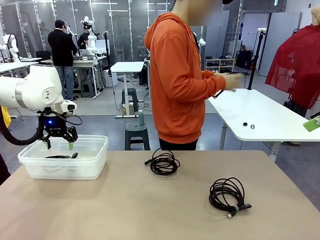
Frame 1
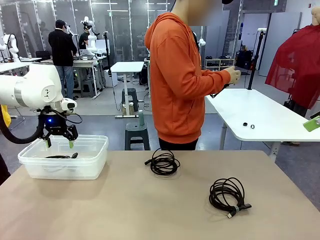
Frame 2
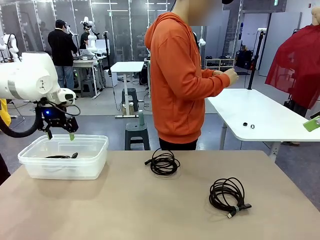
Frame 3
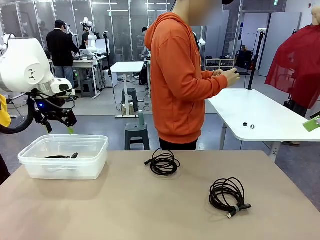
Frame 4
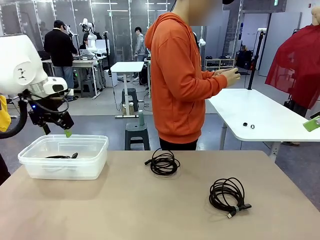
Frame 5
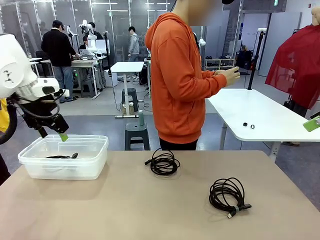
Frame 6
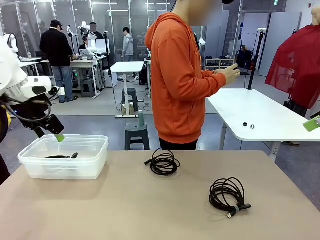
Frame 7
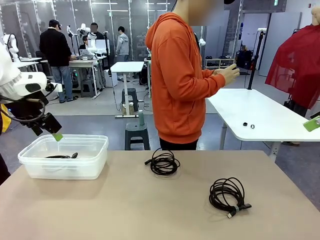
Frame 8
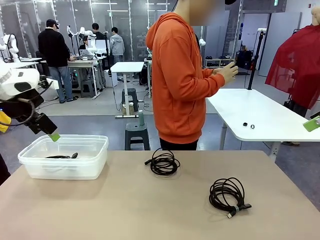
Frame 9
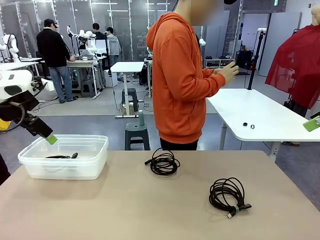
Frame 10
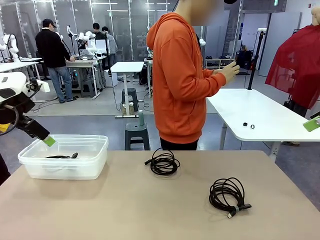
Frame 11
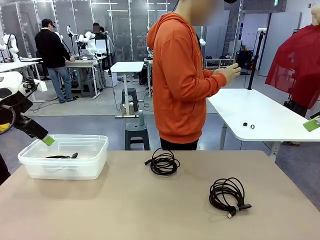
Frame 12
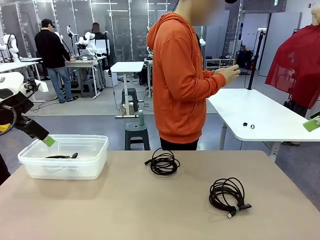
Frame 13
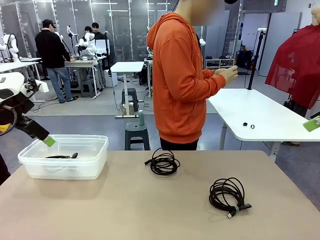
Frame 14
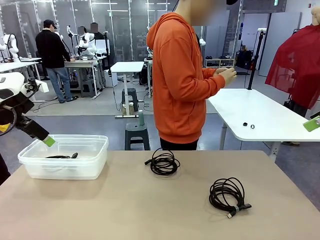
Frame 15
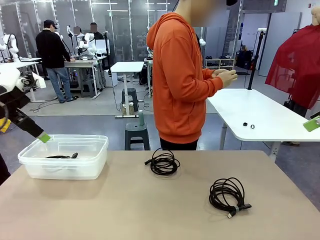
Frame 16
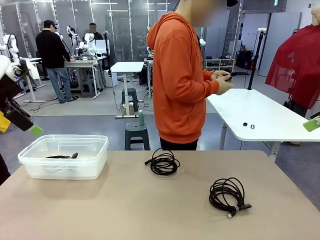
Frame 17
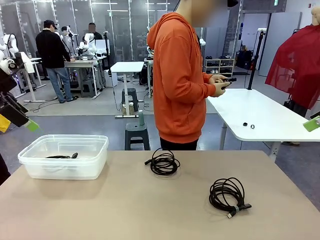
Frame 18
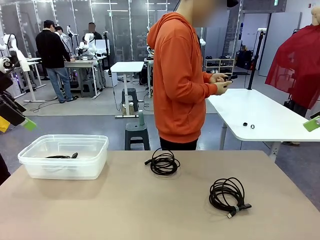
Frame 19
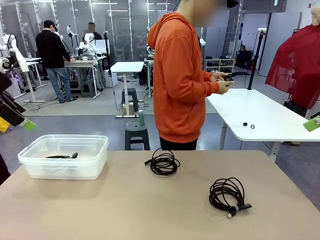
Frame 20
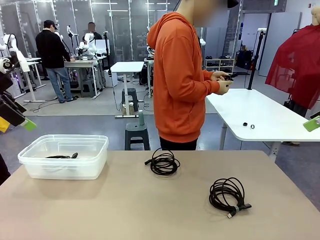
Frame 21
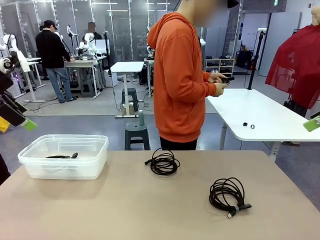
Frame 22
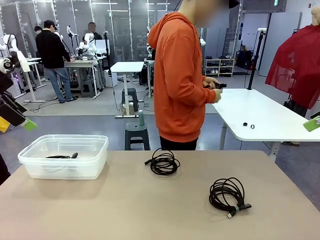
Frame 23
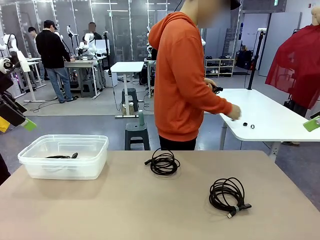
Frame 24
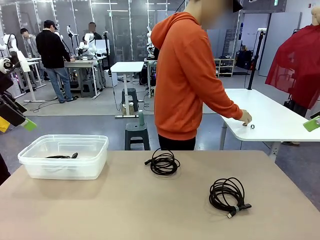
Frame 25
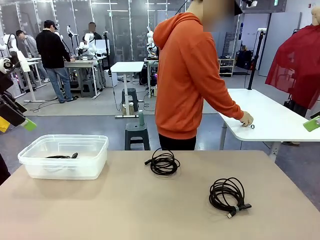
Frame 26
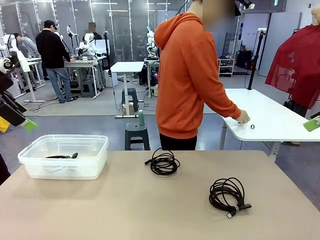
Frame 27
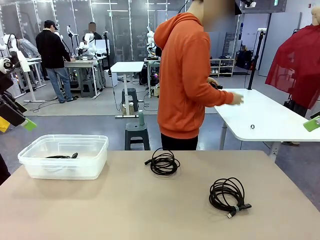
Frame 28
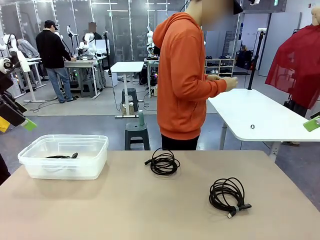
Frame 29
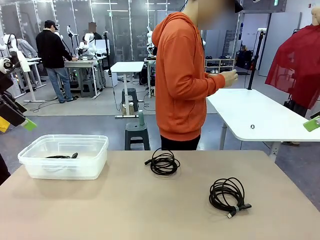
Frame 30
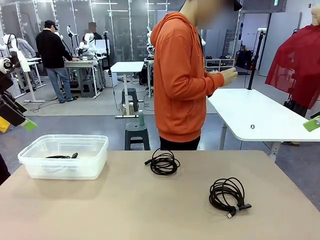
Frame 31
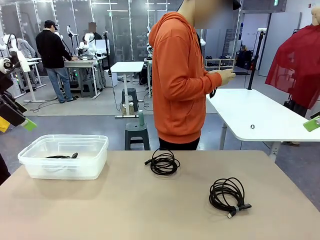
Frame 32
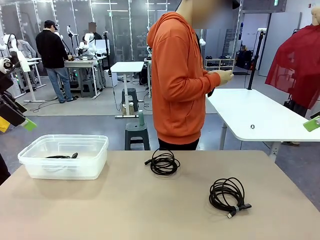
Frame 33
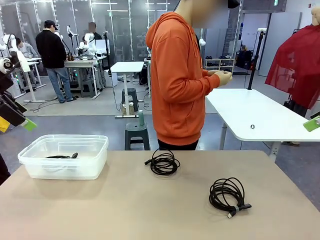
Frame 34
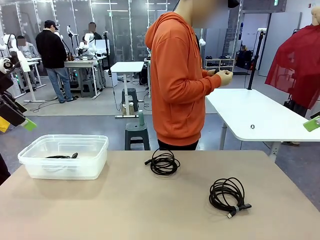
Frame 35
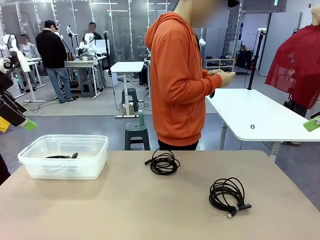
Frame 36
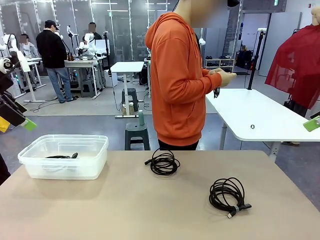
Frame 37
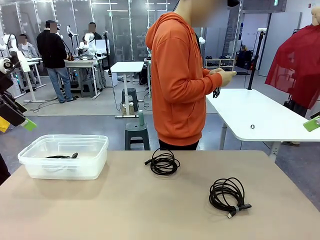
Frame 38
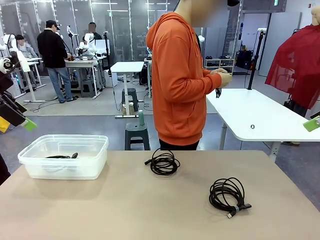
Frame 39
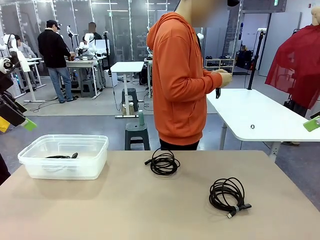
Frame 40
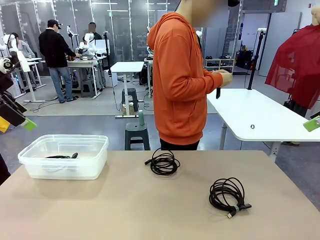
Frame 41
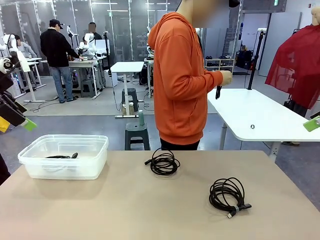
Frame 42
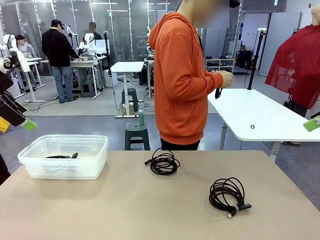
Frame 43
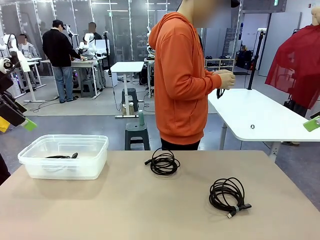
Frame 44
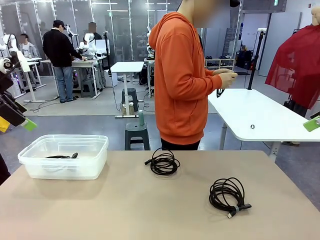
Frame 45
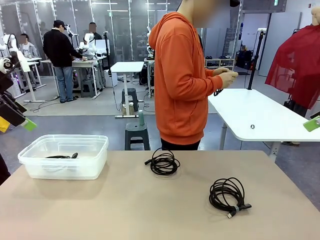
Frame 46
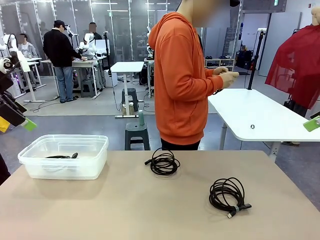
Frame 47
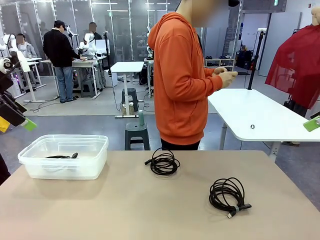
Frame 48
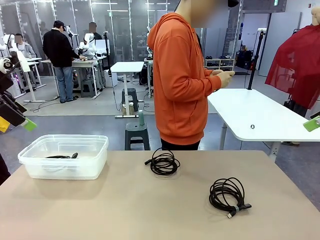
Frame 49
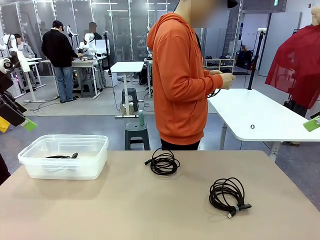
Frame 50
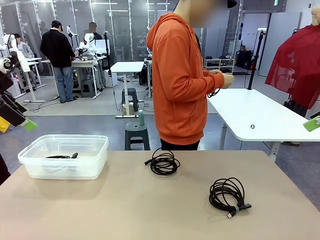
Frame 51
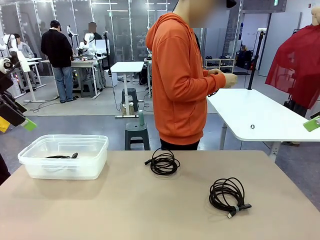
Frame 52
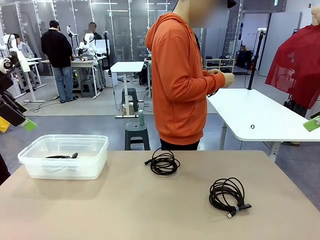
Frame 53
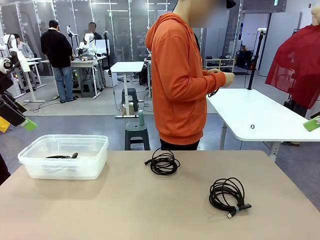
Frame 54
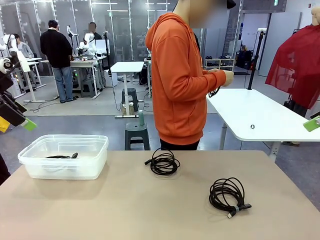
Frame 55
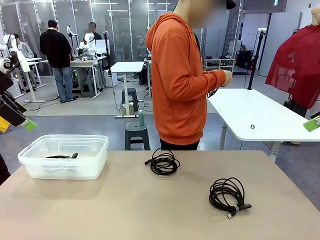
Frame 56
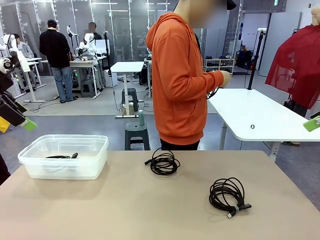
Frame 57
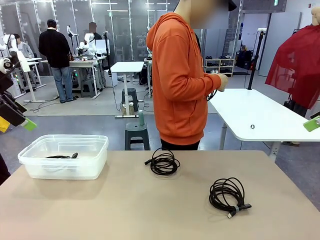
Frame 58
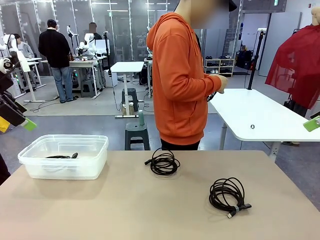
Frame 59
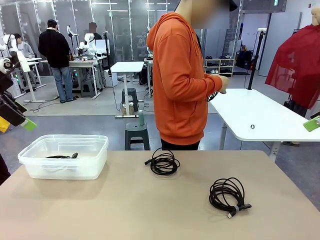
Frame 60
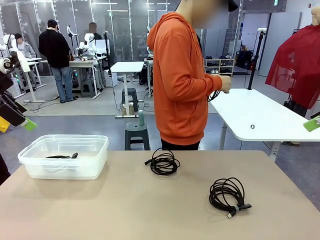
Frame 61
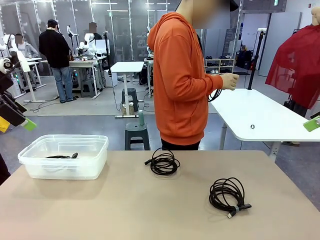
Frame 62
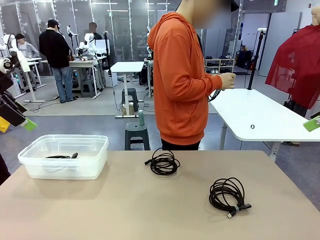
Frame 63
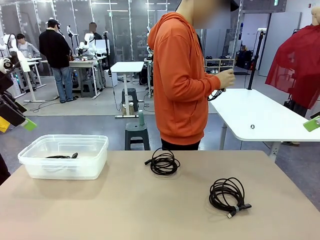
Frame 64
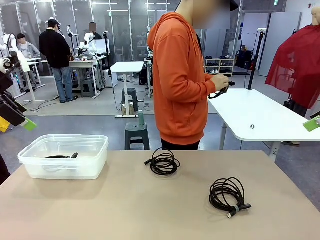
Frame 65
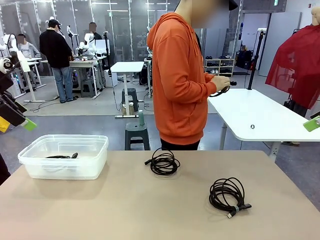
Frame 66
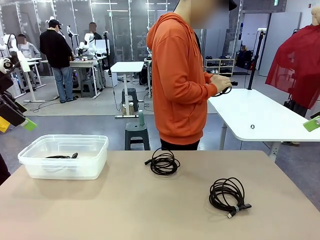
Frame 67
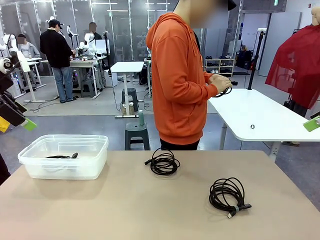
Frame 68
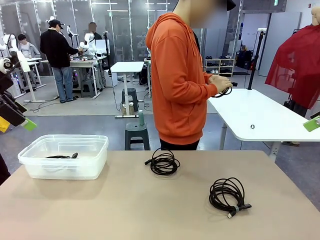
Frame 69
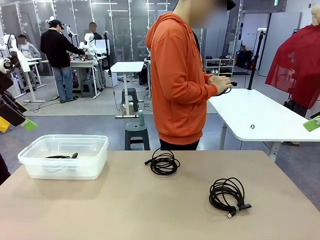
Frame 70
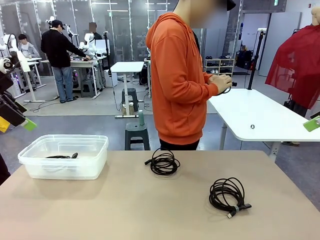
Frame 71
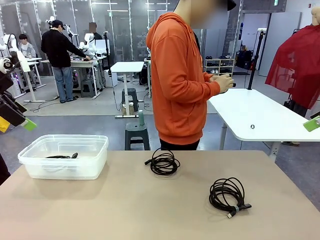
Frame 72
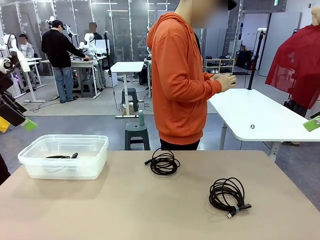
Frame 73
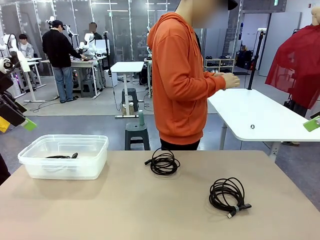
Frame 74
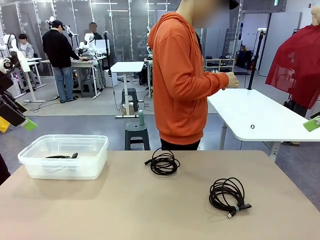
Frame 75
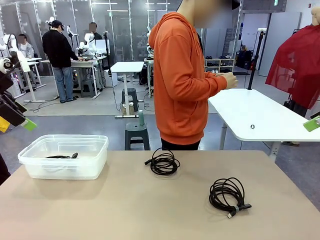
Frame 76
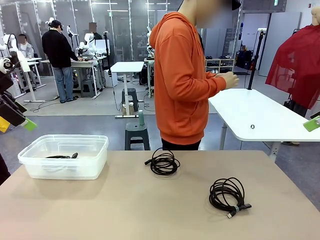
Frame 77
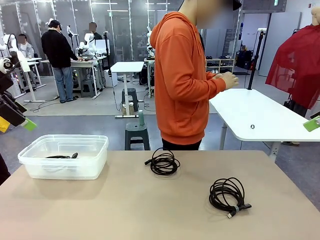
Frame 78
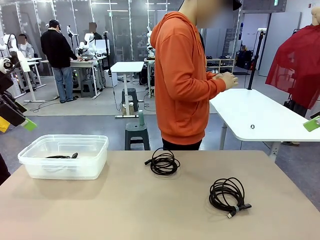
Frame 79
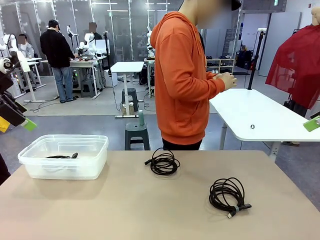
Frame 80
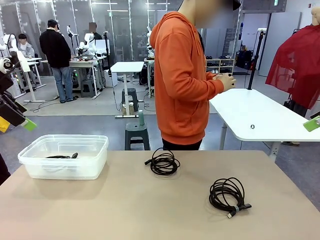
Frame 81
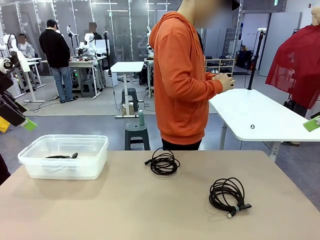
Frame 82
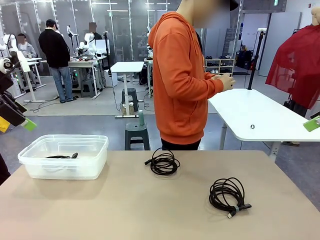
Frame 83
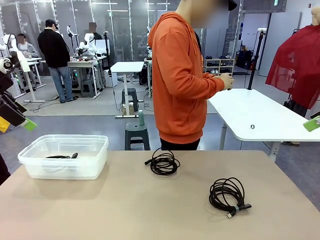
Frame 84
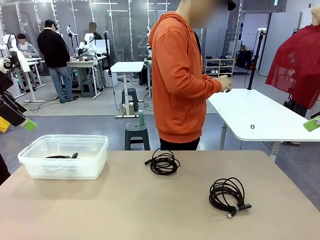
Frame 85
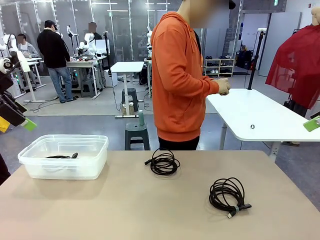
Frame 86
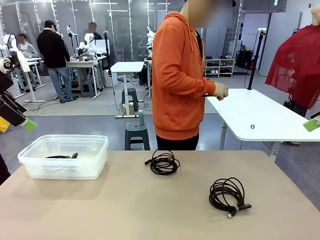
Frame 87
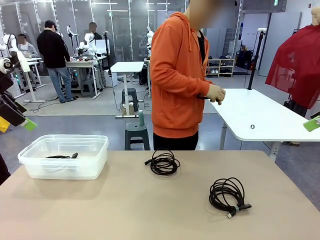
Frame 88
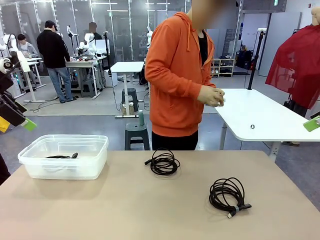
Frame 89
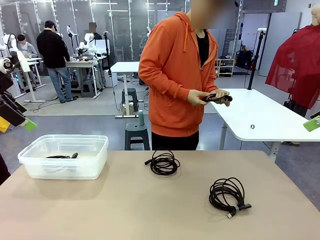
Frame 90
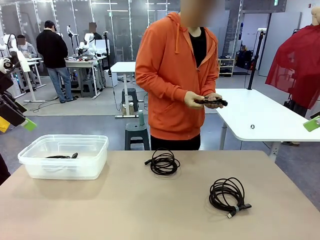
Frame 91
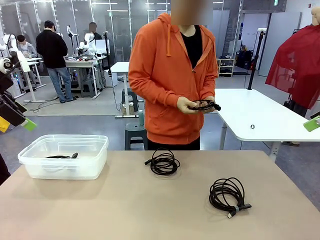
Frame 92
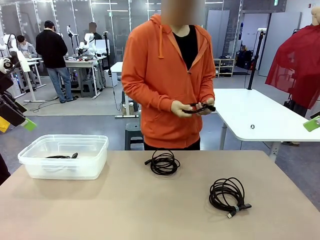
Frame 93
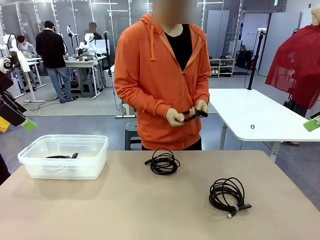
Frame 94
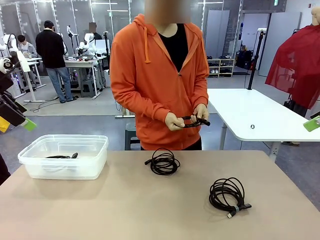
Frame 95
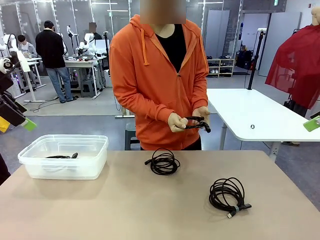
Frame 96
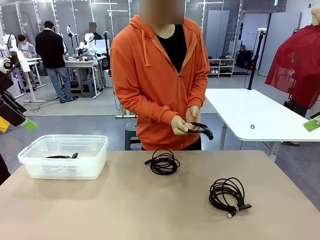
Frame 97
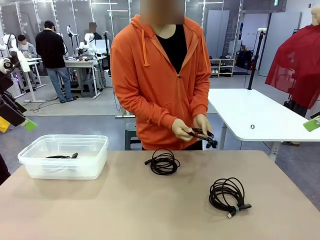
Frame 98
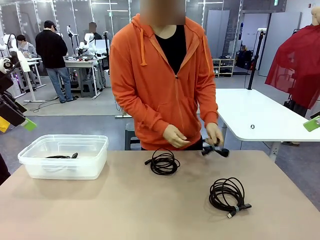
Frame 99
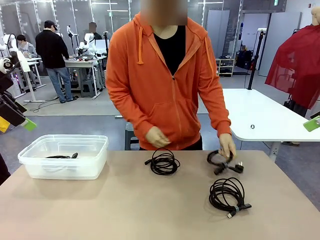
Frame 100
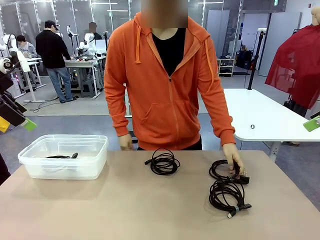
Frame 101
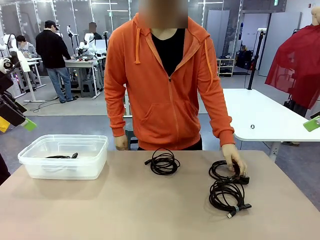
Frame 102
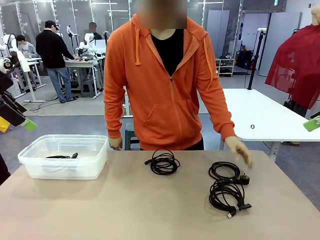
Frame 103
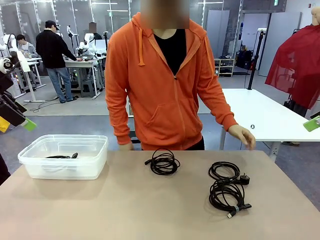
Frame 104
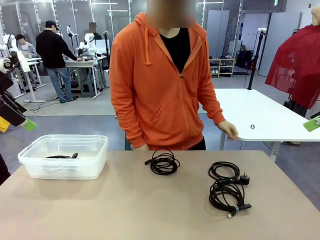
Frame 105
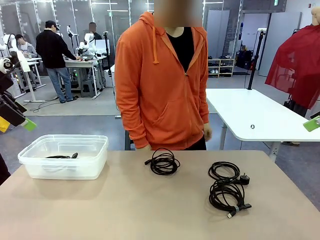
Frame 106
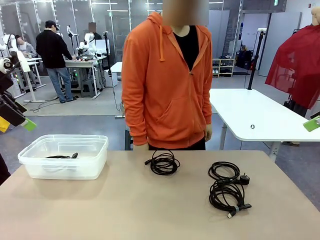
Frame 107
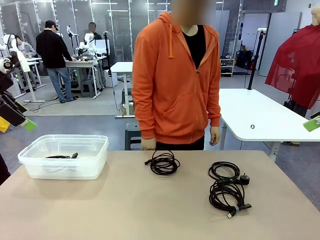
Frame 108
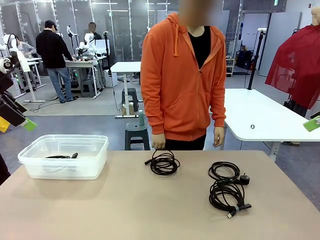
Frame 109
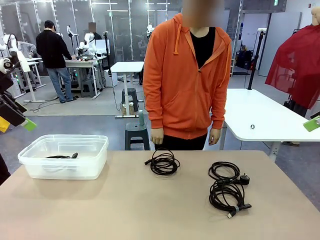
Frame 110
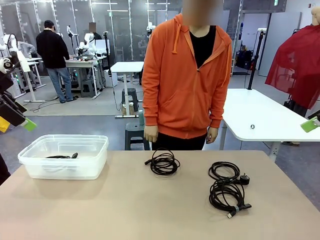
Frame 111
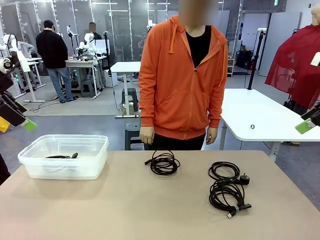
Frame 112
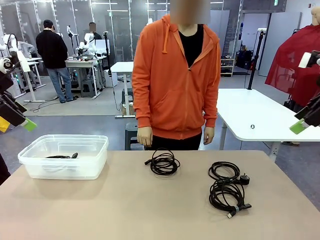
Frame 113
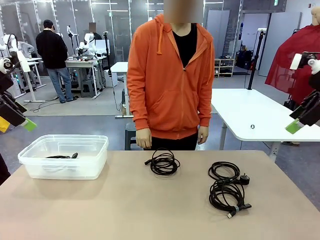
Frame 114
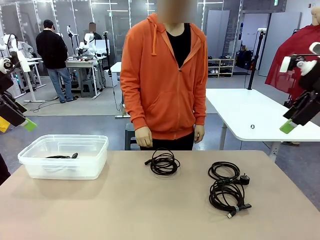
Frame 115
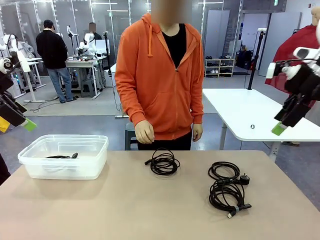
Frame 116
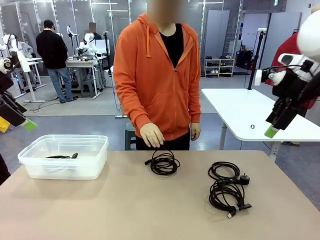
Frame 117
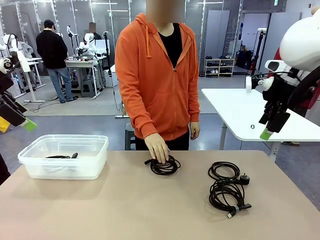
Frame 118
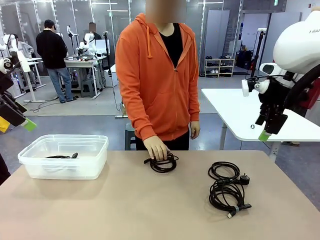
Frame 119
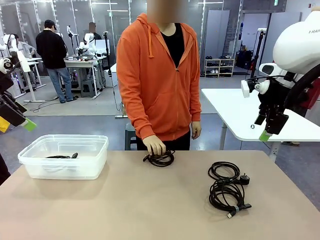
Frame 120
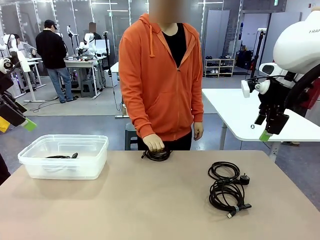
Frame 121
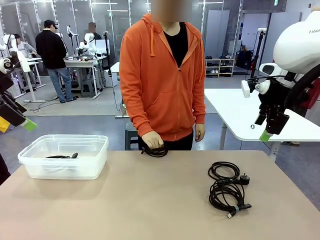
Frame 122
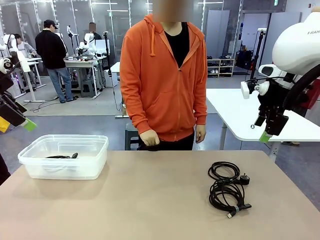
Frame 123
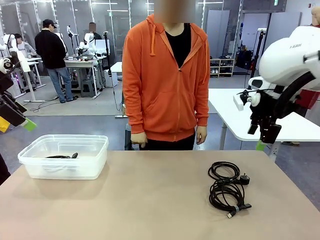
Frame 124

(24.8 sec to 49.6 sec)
Task: Organize and store the cables.
Robot: Place the Power Cable into the Organizing box.
